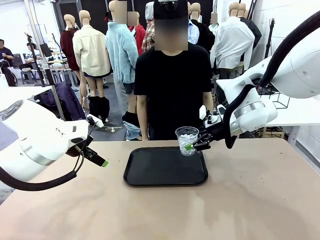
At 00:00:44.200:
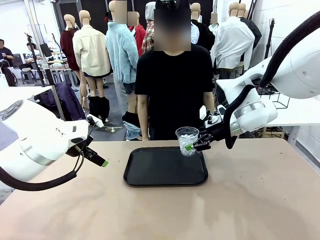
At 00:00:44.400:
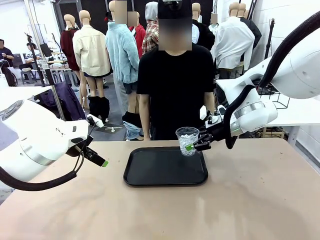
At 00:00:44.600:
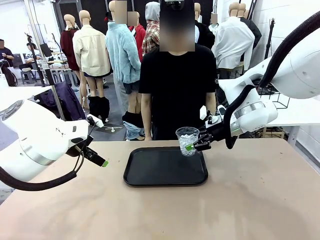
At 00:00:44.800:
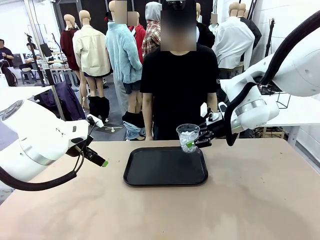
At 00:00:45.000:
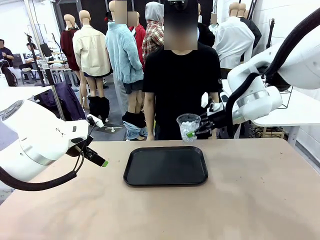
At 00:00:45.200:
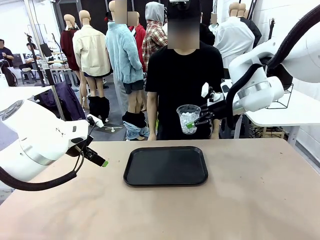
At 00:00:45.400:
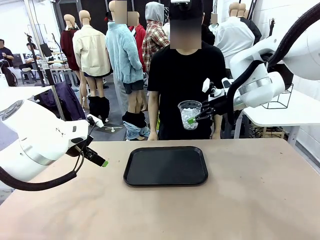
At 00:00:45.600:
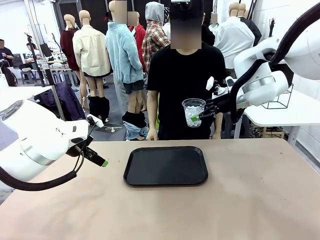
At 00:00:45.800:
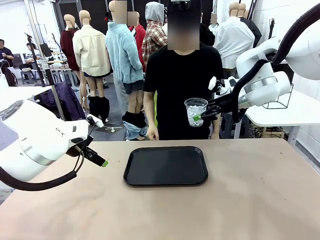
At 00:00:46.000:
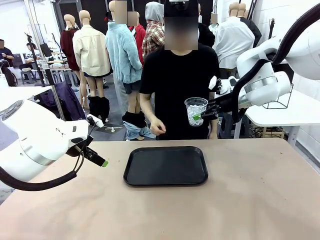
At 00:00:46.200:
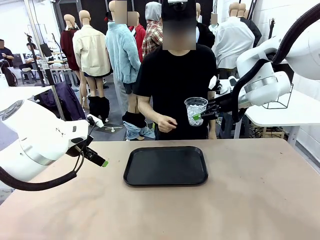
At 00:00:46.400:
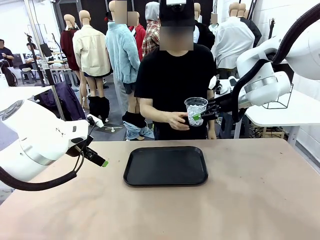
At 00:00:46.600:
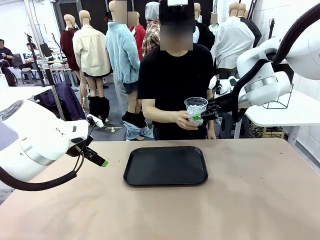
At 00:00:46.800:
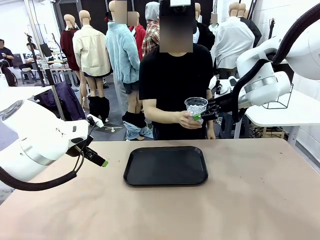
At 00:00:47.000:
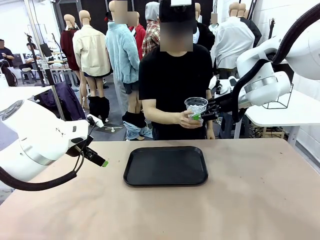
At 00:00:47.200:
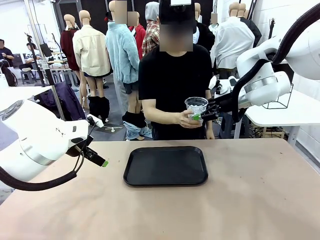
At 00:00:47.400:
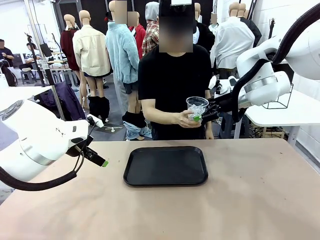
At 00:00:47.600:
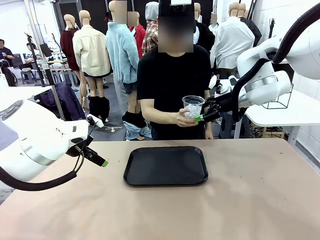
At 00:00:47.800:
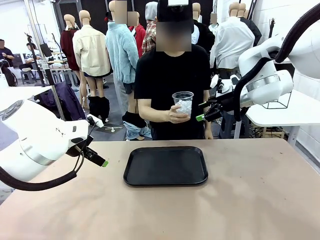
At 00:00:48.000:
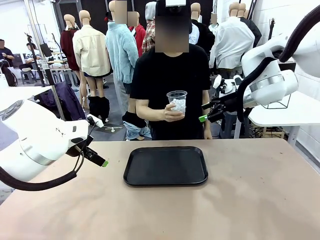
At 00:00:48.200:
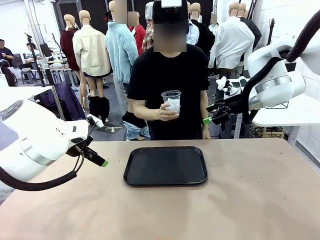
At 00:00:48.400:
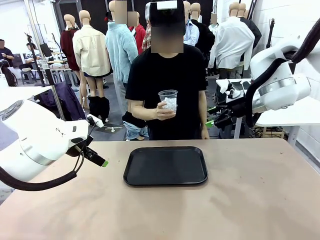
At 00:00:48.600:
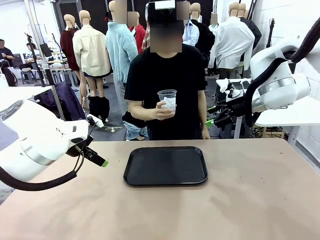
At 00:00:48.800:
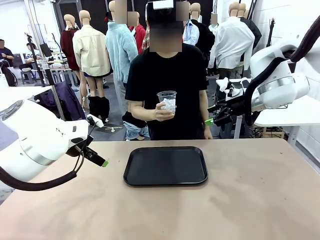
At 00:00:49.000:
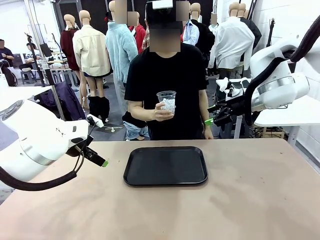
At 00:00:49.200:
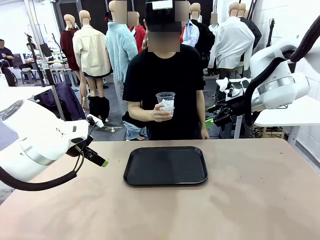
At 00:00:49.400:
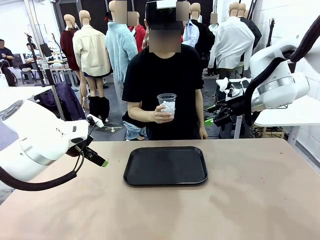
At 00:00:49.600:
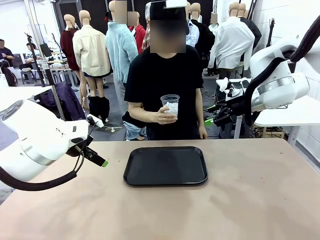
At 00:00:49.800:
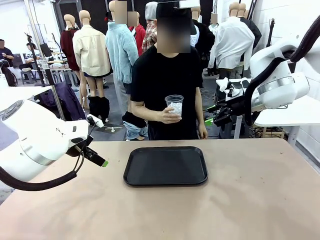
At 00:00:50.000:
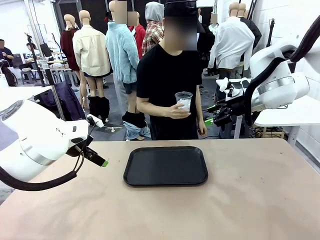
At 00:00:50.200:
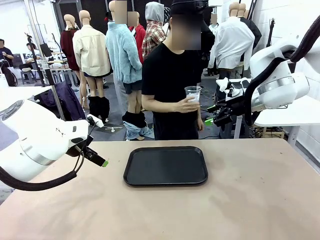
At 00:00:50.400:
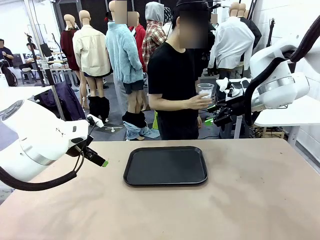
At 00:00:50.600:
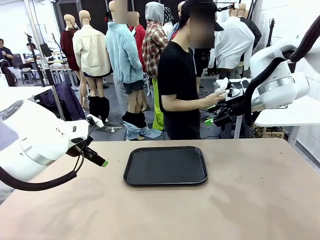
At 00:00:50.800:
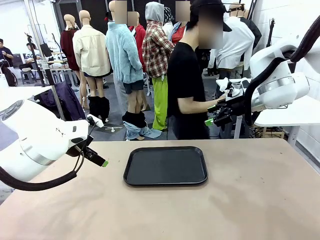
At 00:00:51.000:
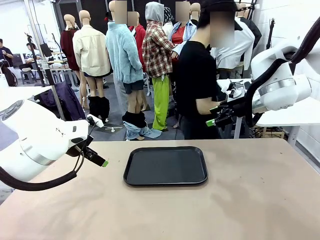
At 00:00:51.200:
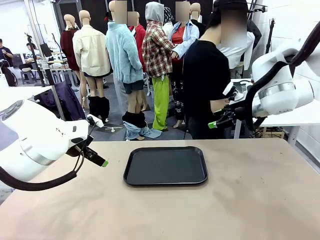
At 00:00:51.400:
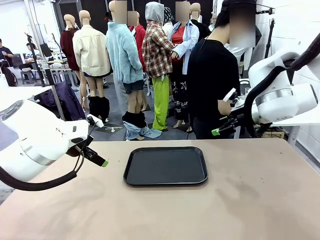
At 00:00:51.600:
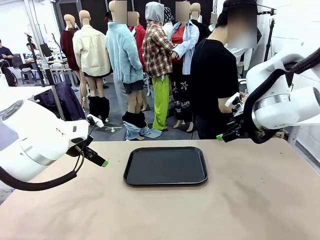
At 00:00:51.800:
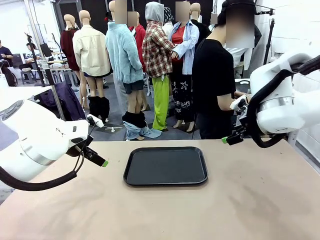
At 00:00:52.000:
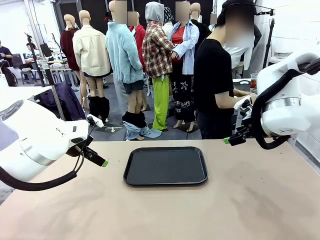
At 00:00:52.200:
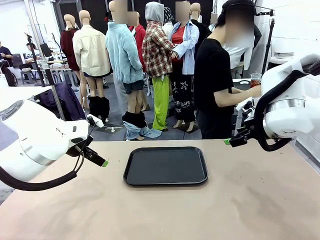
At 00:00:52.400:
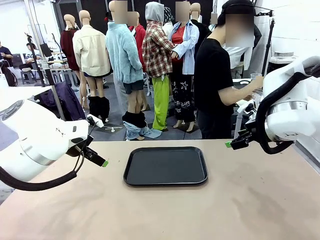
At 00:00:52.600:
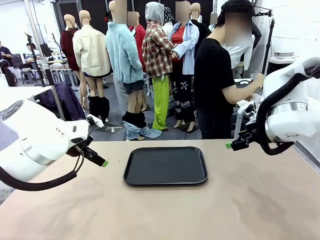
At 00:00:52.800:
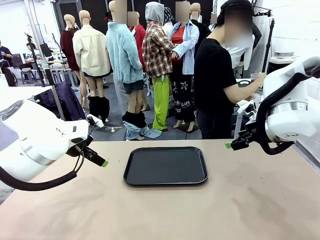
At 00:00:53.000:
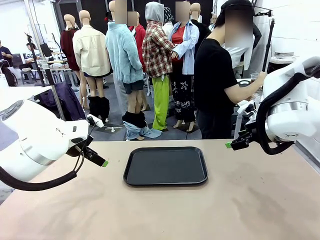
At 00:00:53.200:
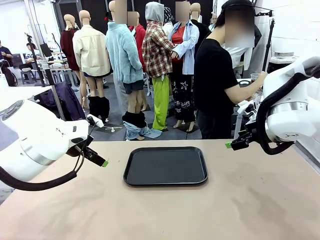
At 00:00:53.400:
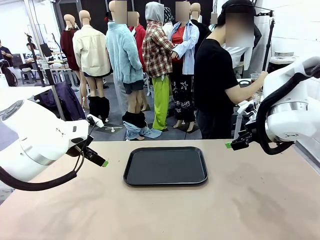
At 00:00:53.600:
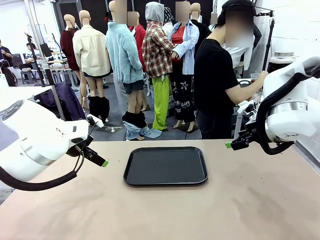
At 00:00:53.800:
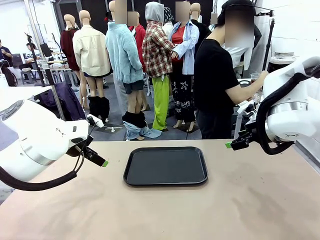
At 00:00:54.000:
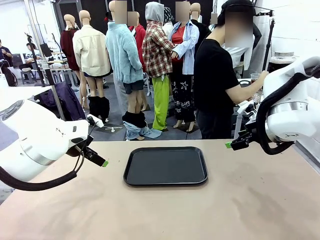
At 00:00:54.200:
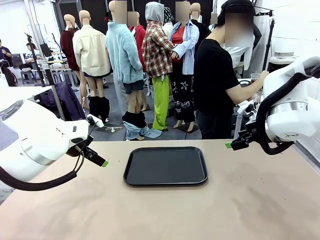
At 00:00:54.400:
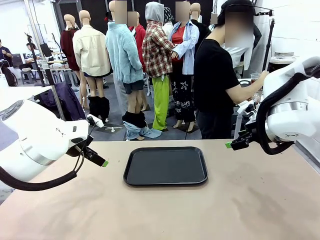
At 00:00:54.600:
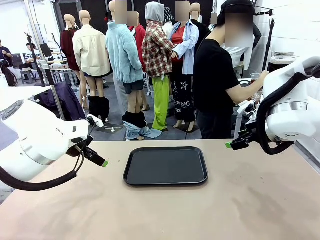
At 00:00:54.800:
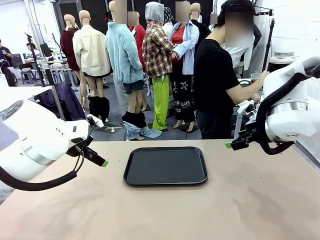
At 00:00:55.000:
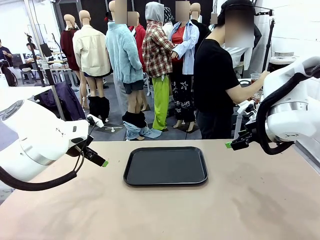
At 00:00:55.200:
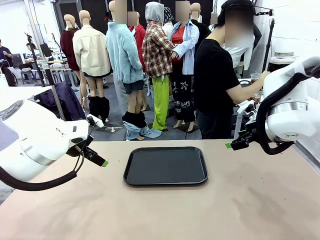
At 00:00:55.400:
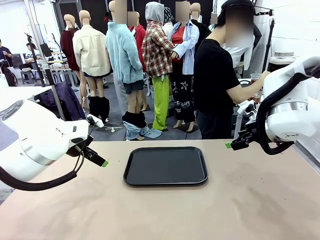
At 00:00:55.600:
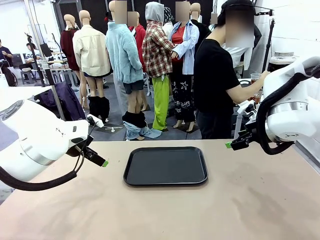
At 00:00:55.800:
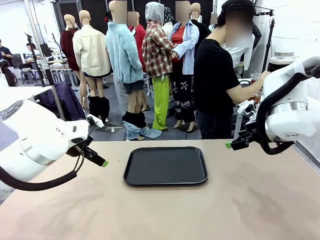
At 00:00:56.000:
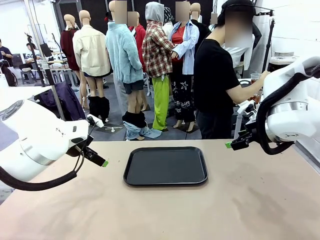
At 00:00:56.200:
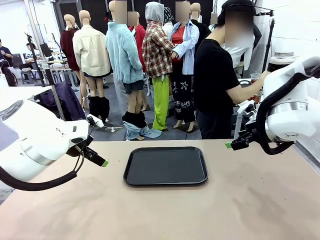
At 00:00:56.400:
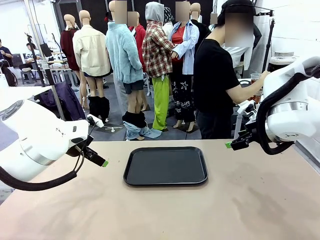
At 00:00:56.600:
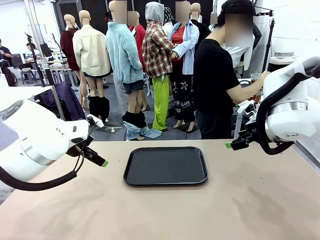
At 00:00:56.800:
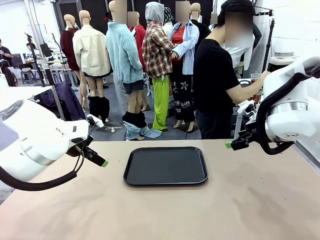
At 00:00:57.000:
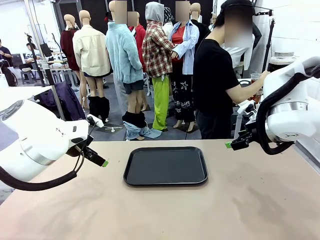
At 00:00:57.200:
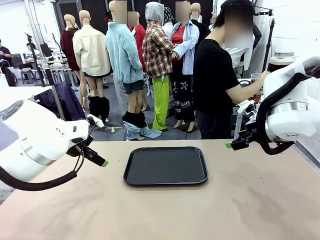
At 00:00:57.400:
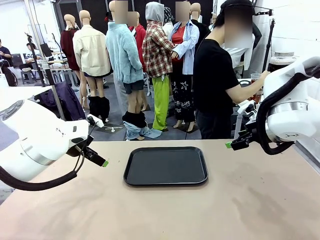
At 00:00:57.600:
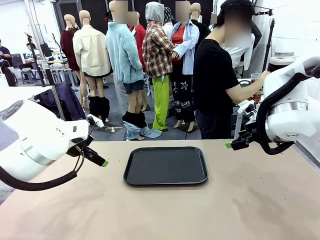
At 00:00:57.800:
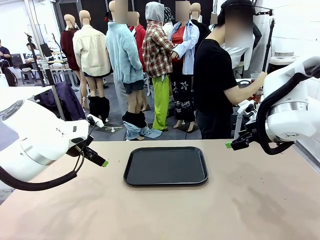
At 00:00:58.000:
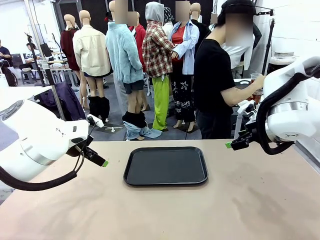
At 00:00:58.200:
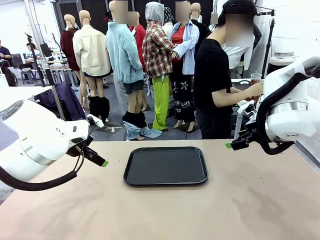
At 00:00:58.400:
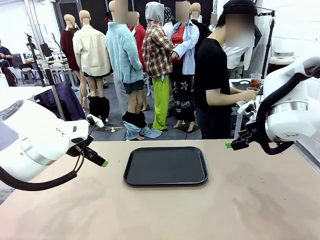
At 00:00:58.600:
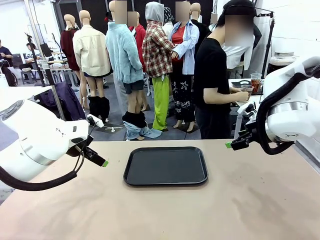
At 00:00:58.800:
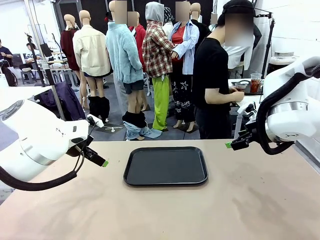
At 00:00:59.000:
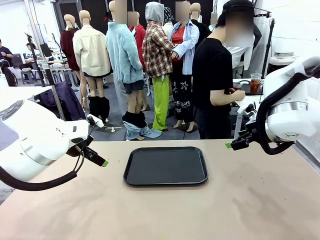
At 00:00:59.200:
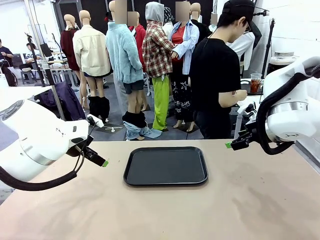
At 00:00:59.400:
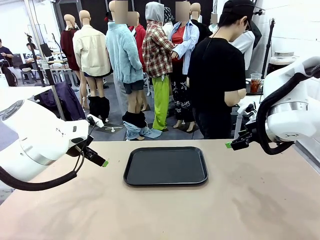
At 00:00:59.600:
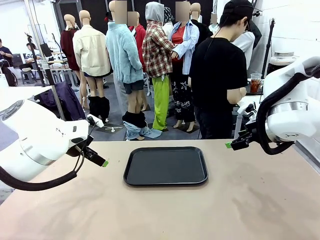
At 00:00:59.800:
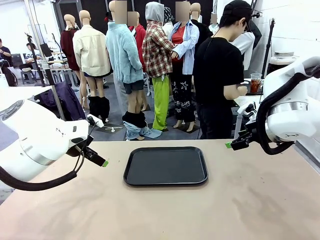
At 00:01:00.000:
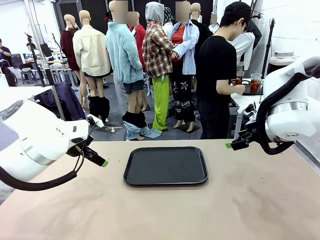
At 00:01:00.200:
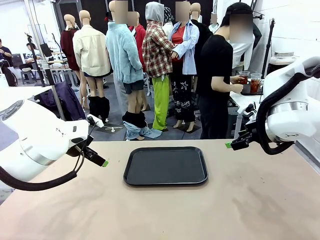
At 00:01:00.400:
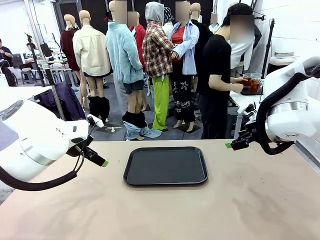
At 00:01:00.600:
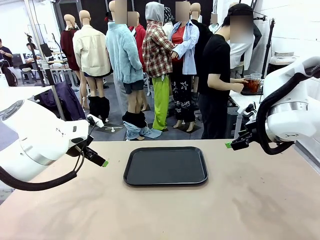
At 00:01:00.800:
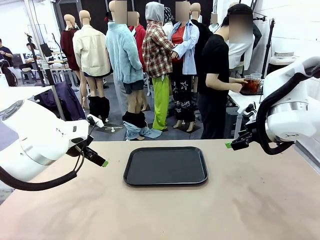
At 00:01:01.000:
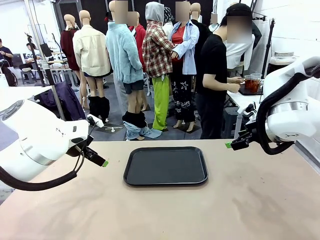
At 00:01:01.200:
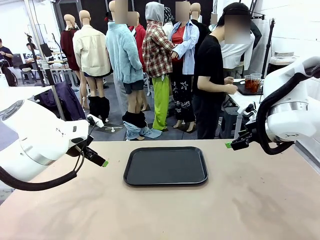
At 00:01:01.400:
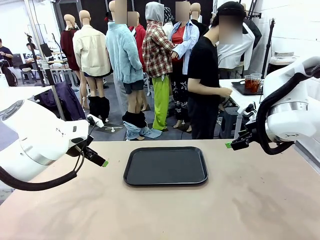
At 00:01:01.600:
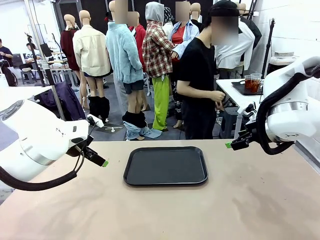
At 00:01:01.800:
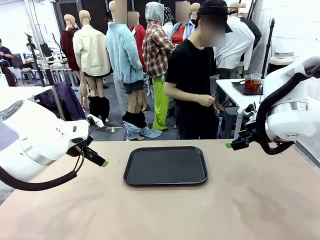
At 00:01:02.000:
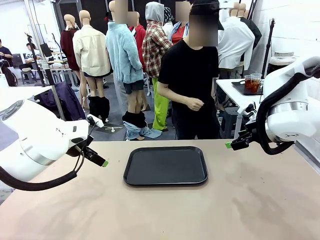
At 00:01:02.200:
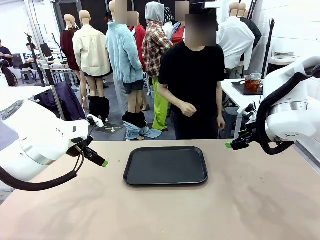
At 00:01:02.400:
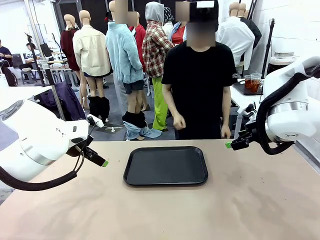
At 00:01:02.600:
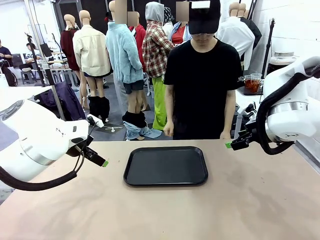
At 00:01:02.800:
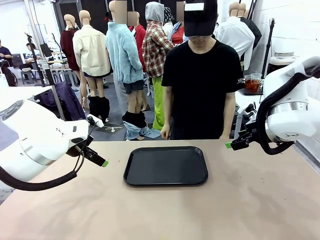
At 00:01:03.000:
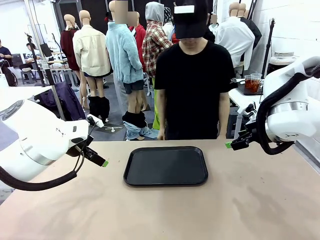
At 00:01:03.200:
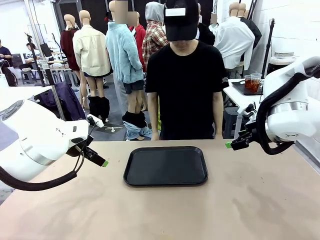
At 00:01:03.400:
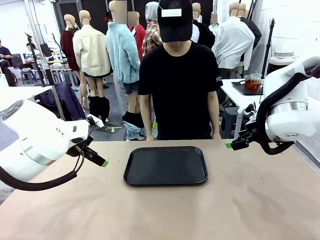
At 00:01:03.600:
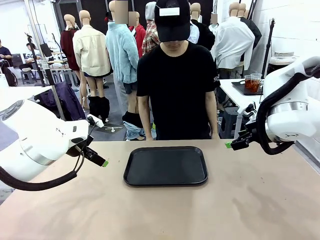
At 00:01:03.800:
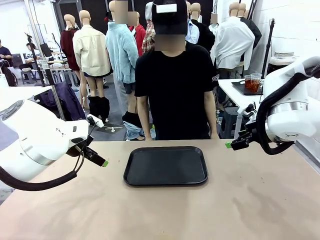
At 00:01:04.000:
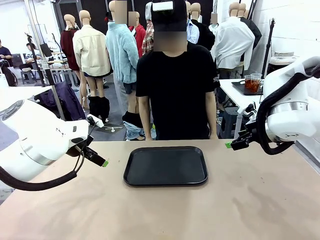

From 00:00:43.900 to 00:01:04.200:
Task: Pour the drink into the iced cup.
Robot: Open the gripper to release the iced cup you were holding.
Person: Move the picked-up cup under the dispenser faucet, pour the drink, and place it on the tray on the human table.
